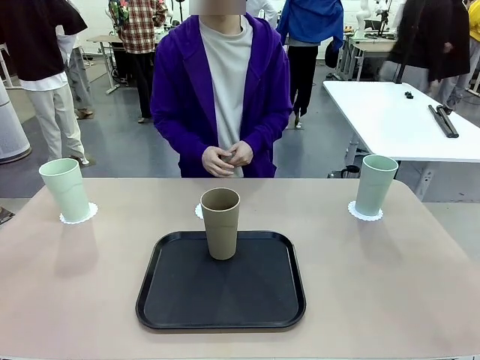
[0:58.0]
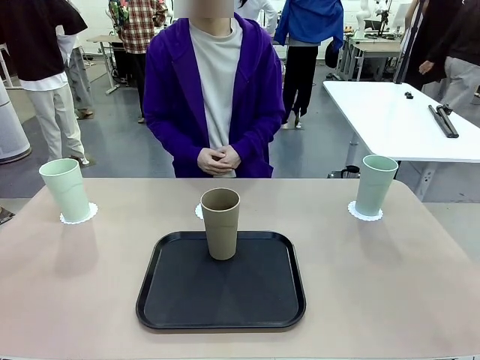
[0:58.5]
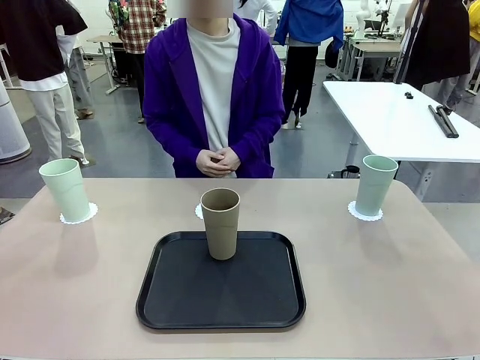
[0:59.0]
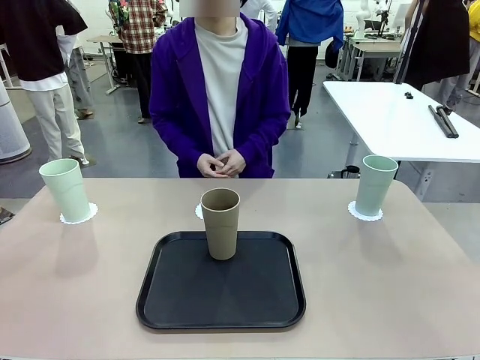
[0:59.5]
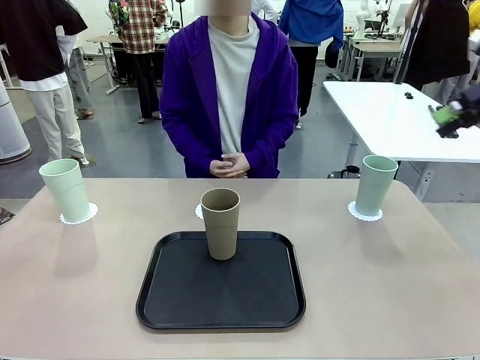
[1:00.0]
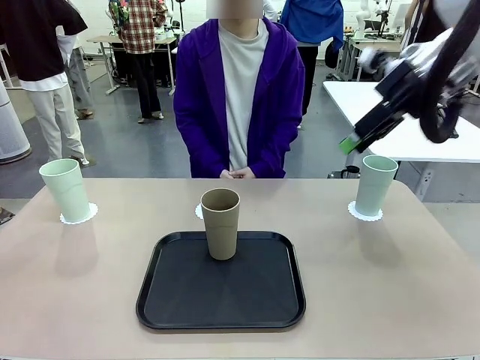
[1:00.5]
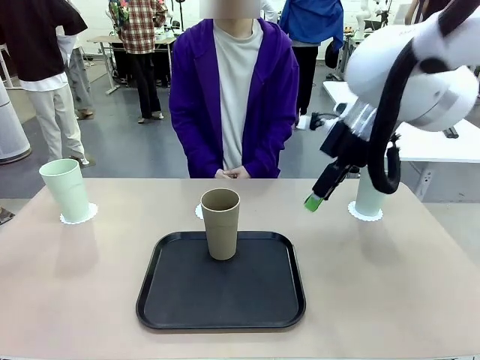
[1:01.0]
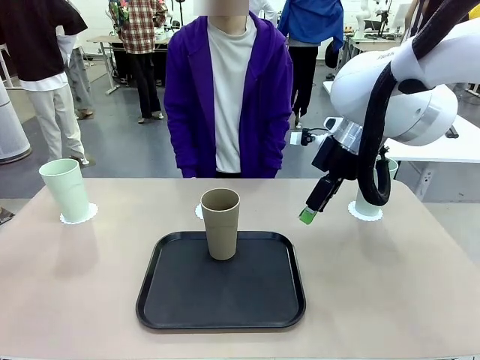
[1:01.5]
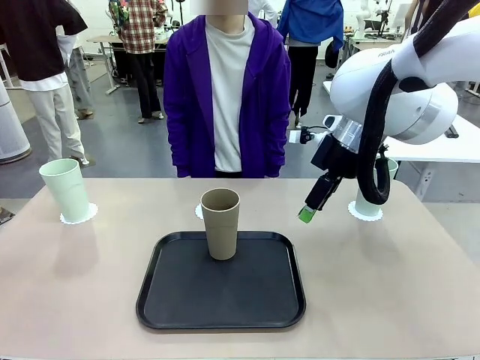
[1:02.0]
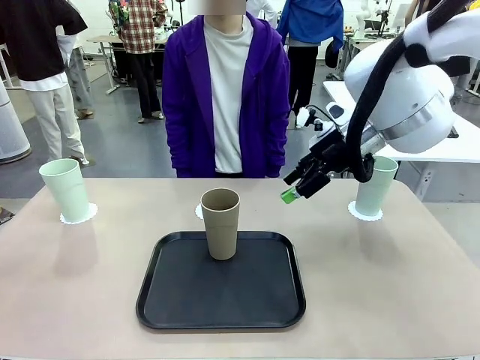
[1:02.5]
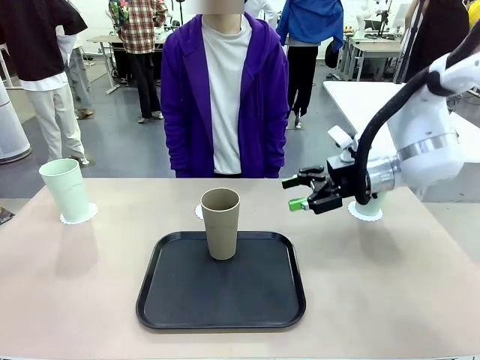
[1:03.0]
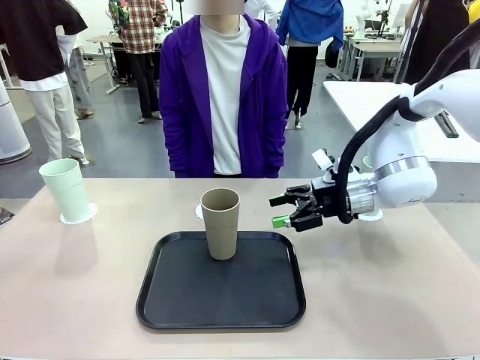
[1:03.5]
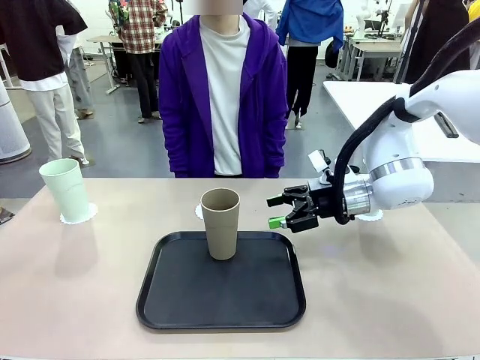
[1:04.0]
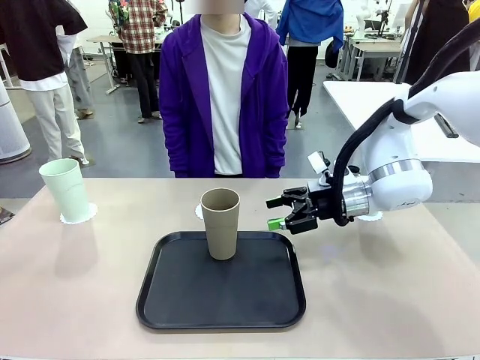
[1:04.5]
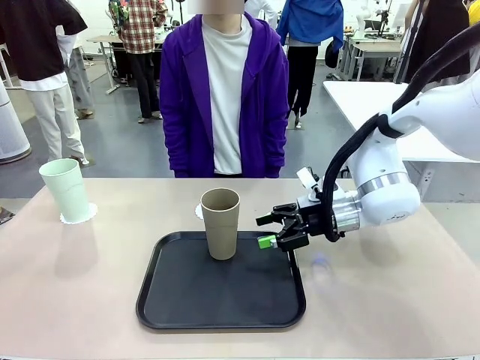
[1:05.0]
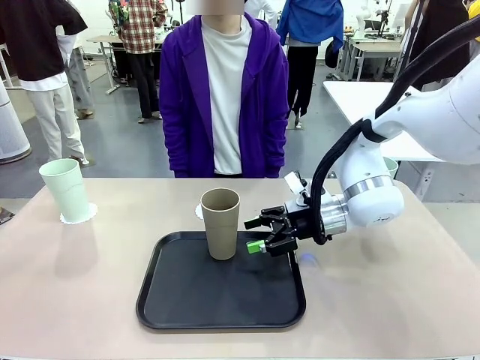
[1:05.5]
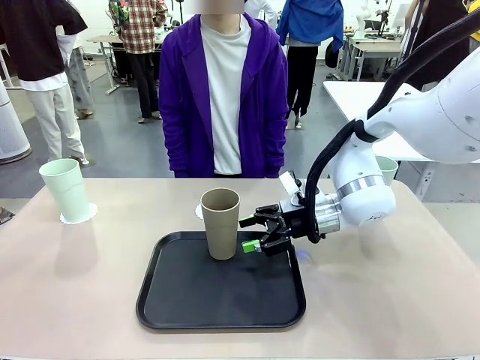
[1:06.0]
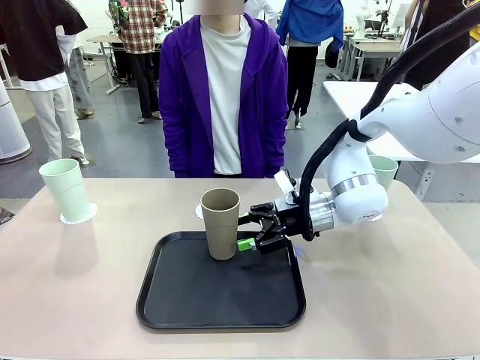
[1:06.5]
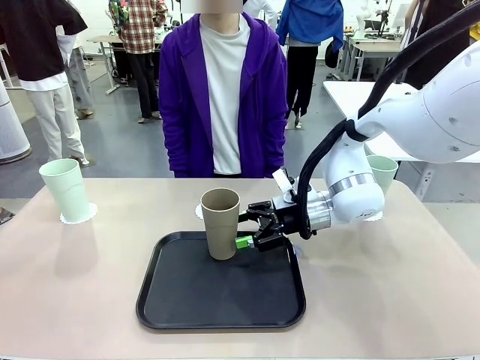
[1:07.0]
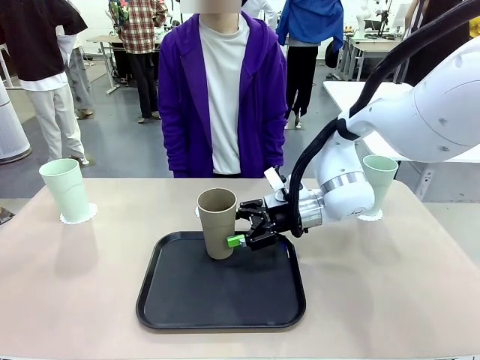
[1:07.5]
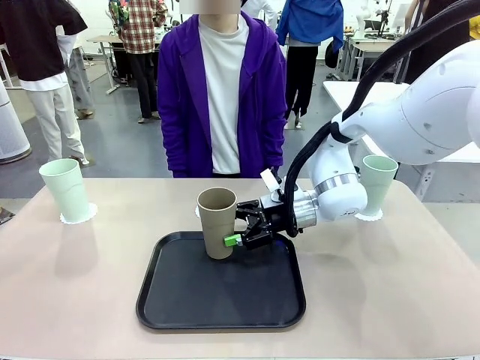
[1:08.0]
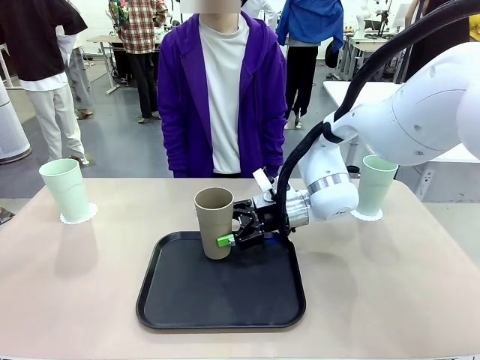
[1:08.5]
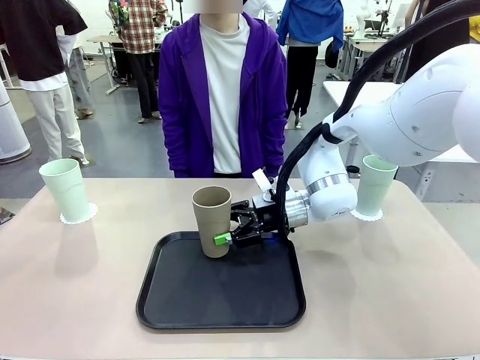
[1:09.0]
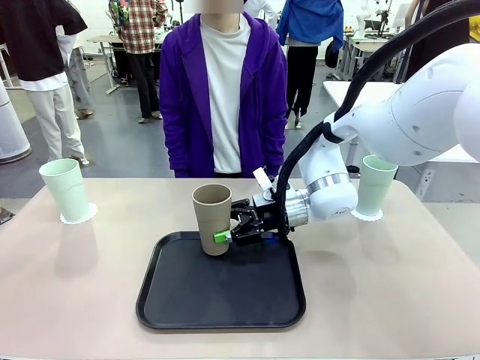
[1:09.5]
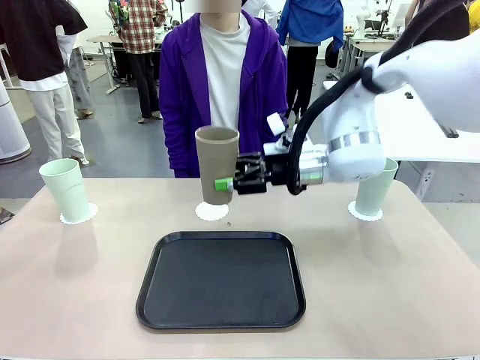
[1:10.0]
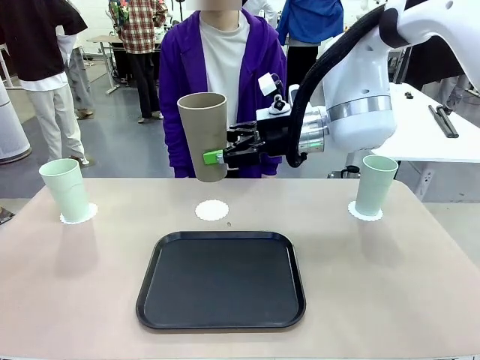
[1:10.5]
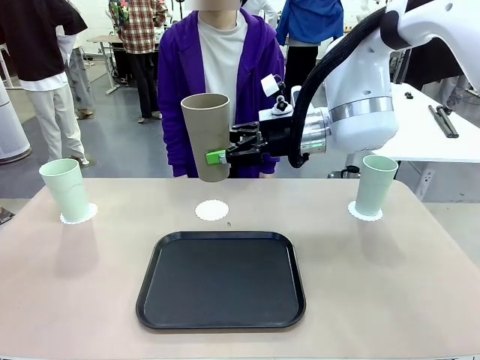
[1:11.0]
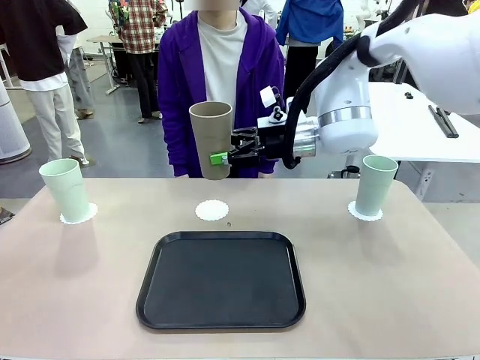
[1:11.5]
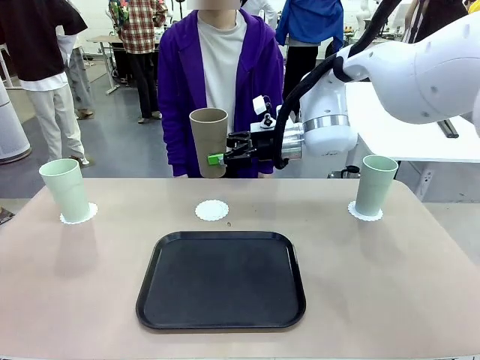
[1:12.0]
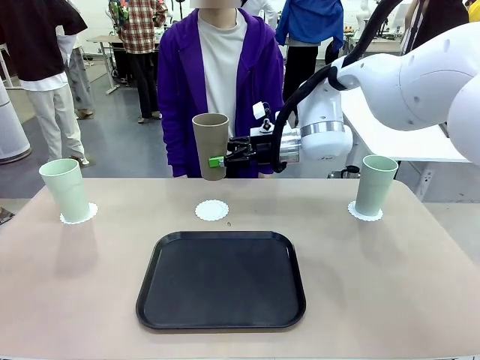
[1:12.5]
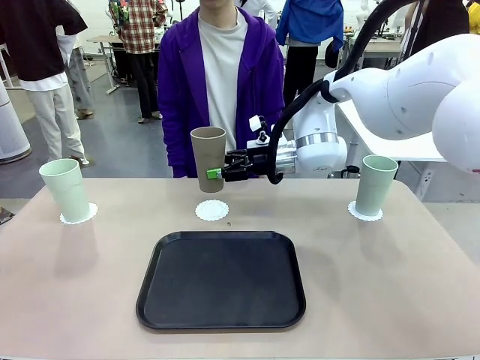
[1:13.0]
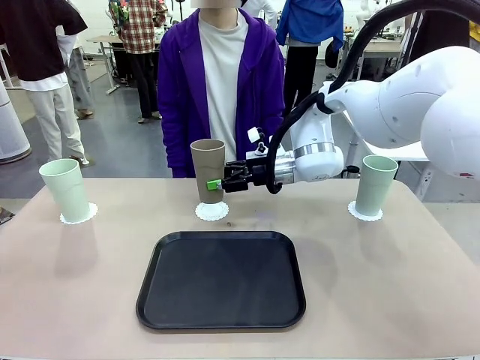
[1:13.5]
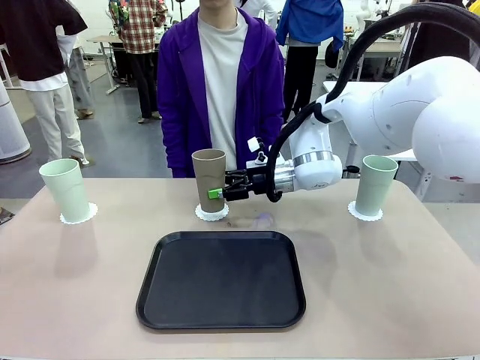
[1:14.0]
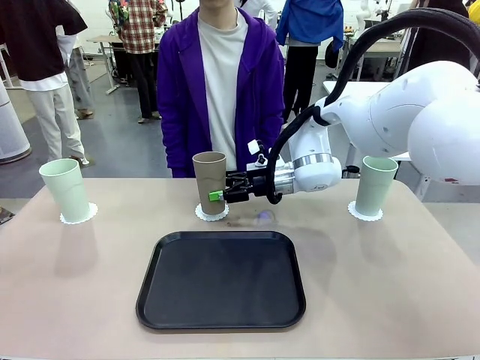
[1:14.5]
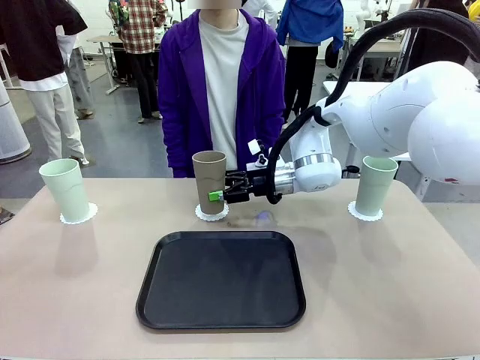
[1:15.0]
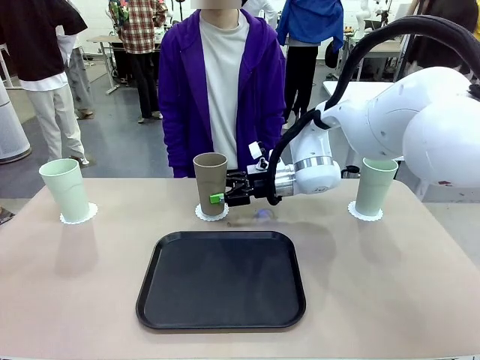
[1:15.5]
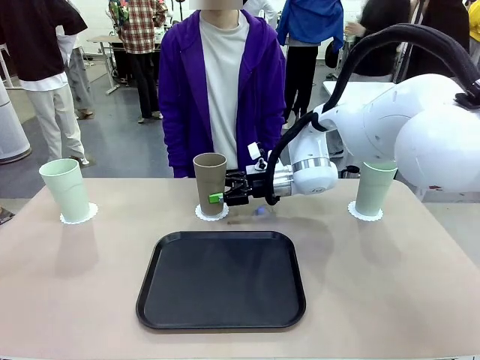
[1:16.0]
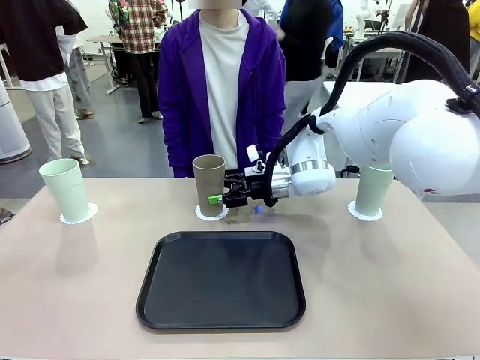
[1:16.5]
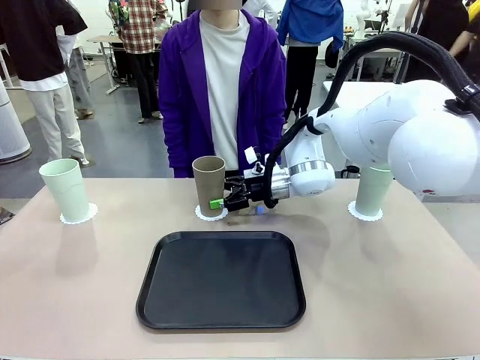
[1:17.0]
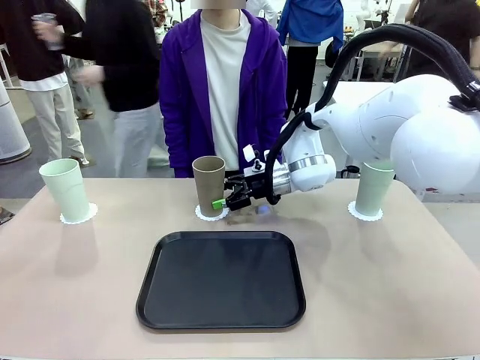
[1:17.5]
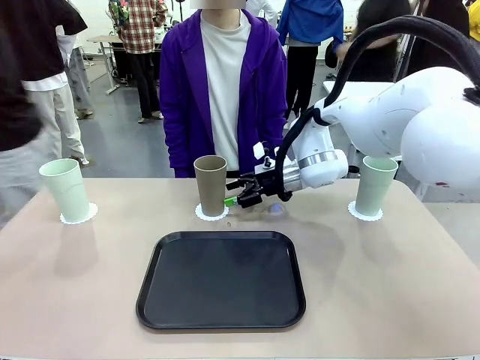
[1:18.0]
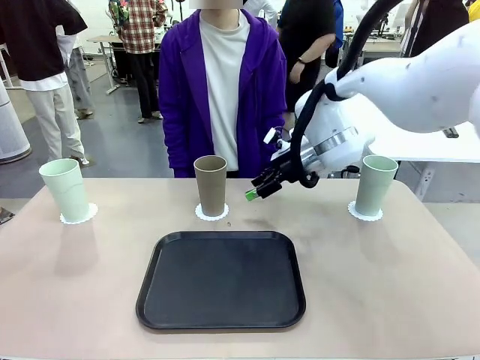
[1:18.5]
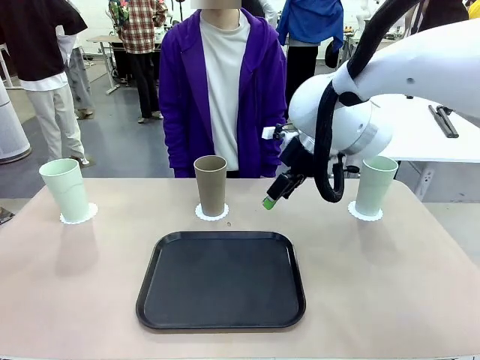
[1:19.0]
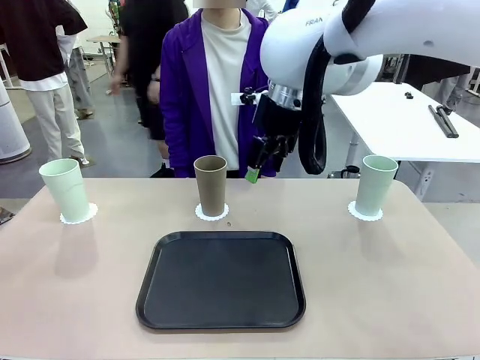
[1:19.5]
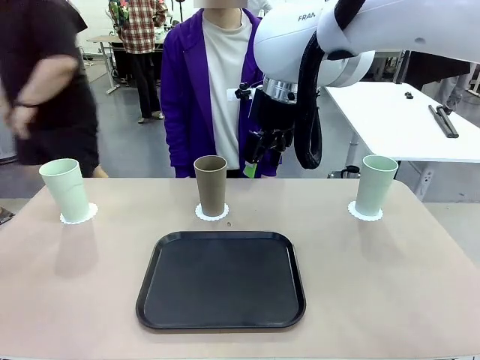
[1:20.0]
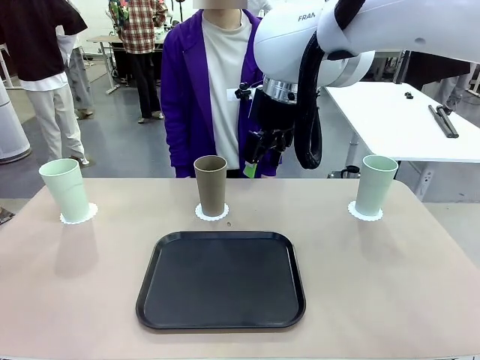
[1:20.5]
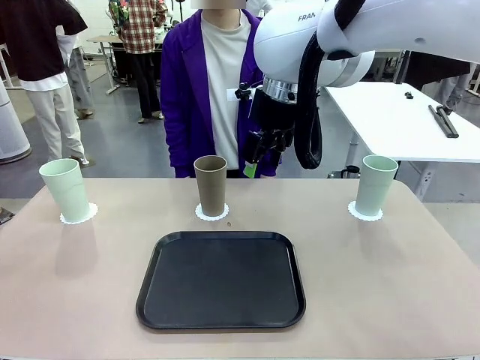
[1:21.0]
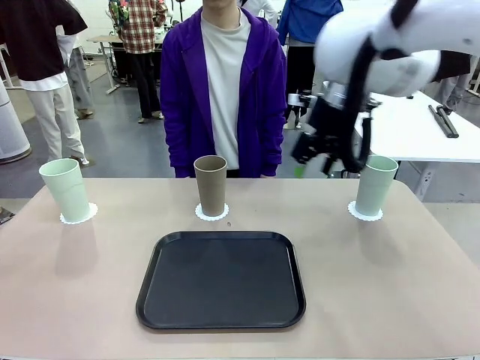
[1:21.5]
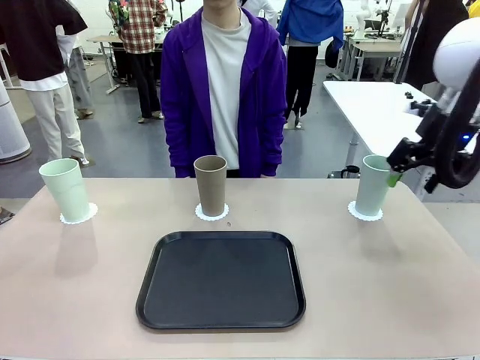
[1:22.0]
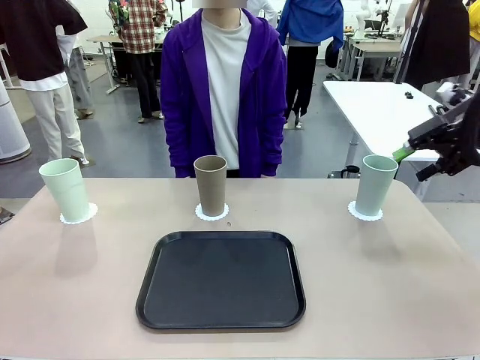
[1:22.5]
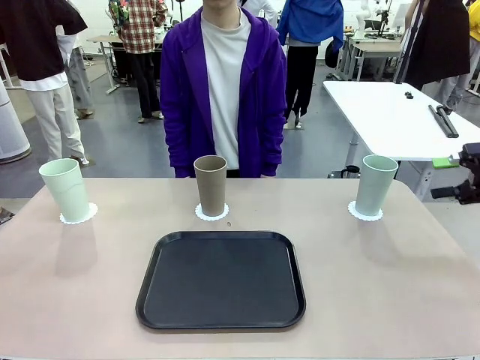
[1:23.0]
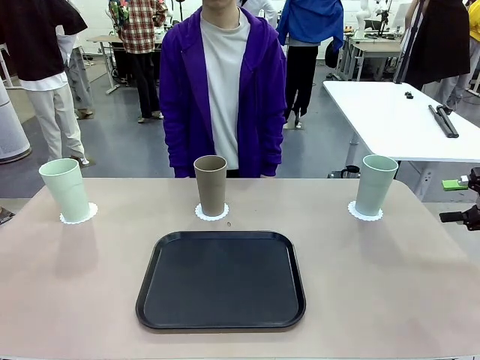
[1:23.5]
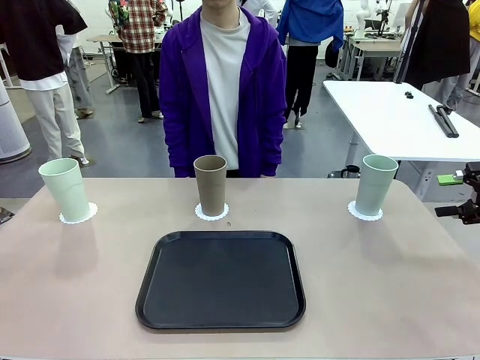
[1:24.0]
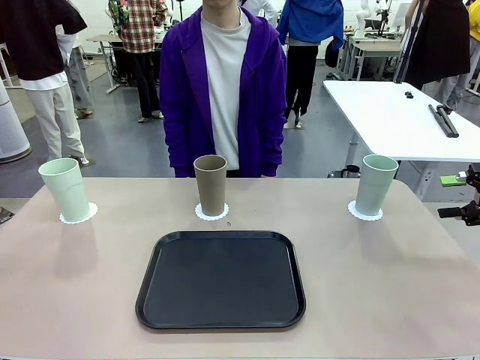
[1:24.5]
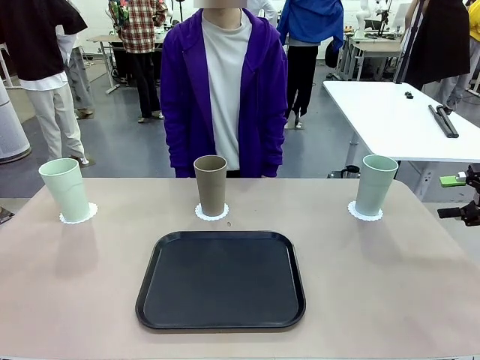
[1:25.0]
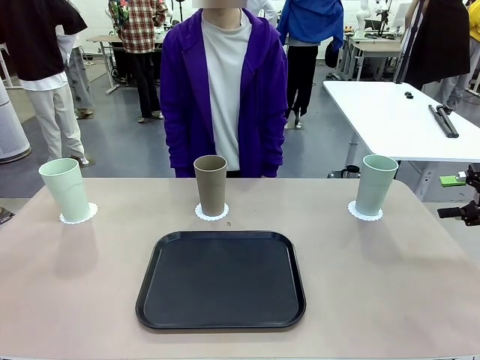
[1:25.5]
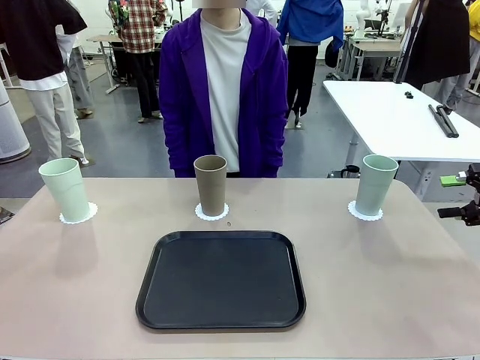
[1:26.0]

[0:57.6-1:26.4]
Task: Place coasters on the table and set cups on them.
Robot: Take one Reusable plastic cup from the Flat Tray and place it on a coaster set by the human.
Person: Place one coaster in the only remaining area.
